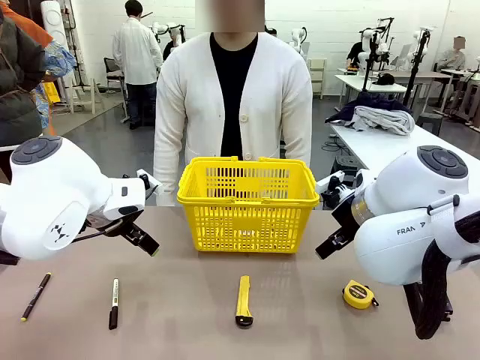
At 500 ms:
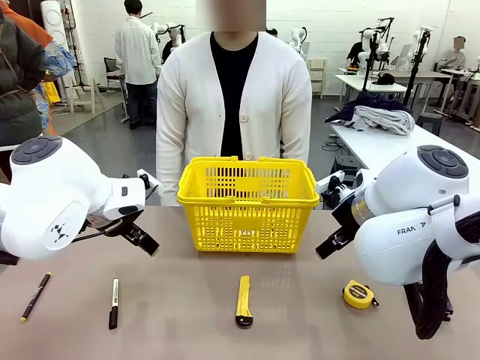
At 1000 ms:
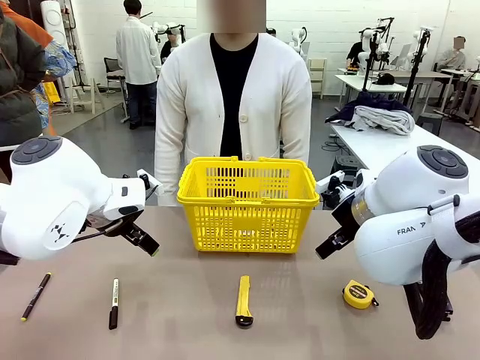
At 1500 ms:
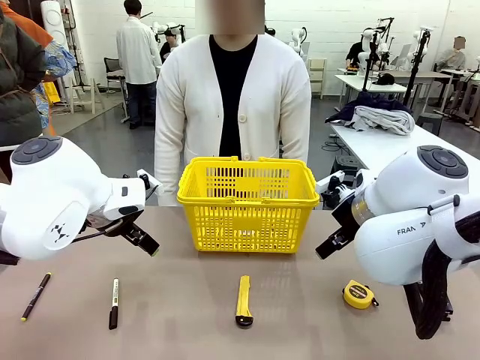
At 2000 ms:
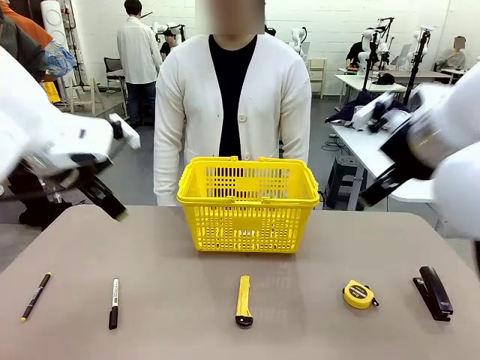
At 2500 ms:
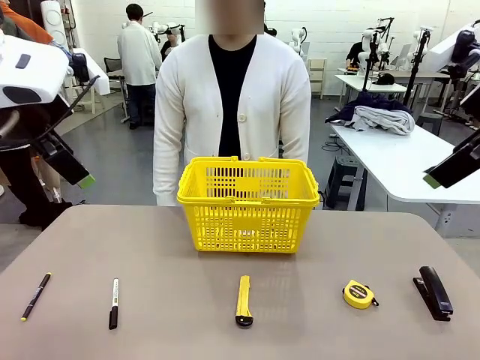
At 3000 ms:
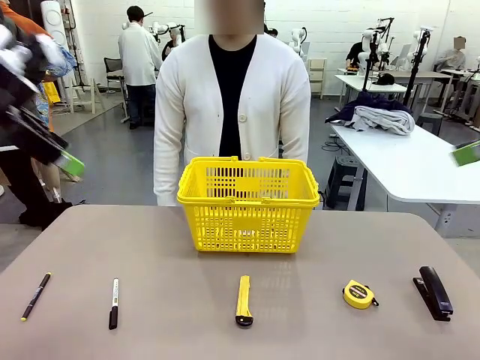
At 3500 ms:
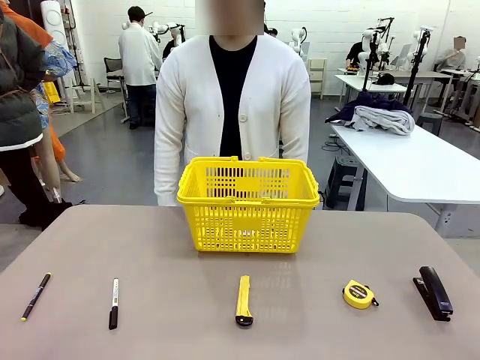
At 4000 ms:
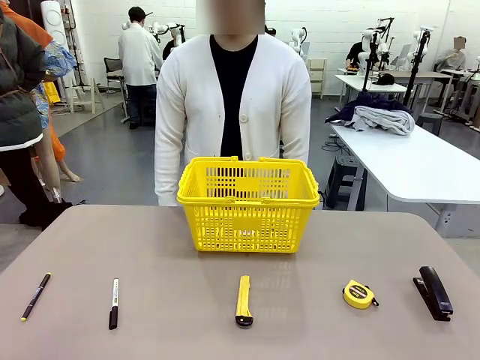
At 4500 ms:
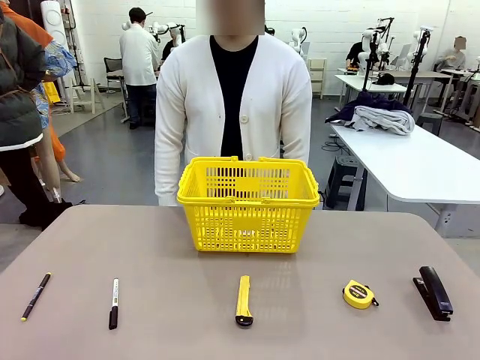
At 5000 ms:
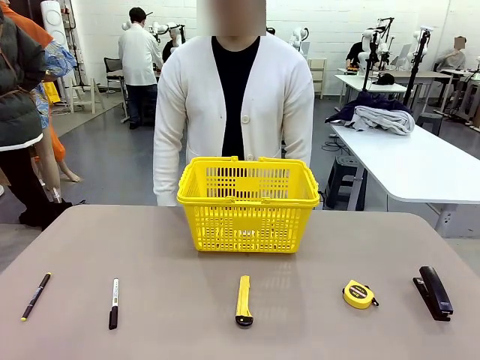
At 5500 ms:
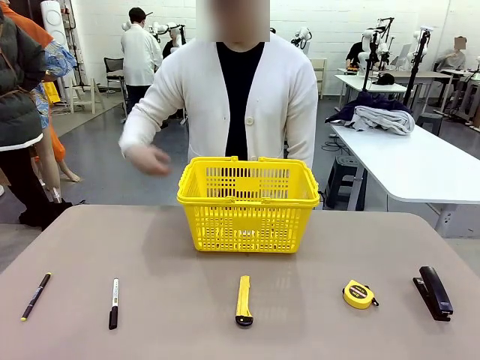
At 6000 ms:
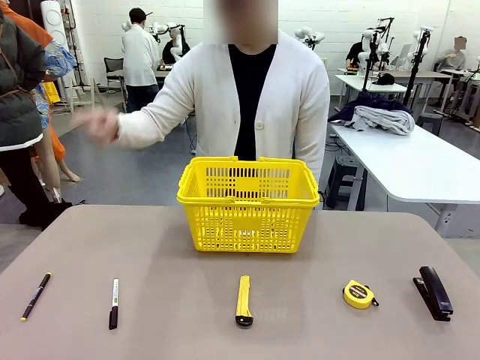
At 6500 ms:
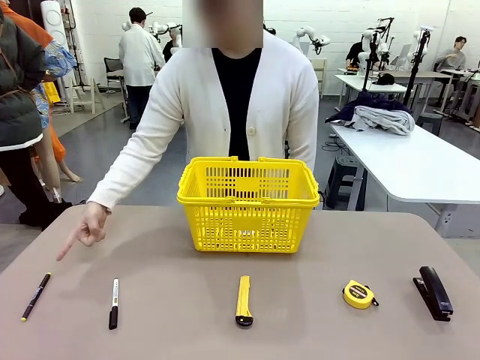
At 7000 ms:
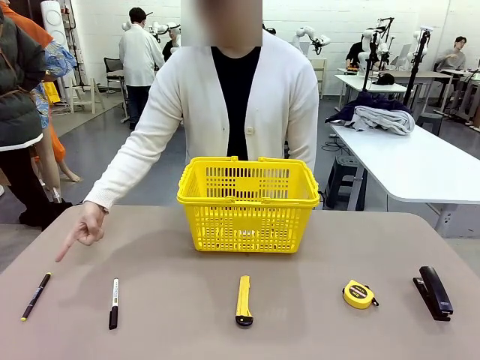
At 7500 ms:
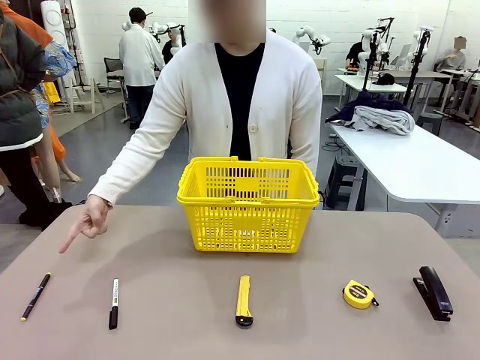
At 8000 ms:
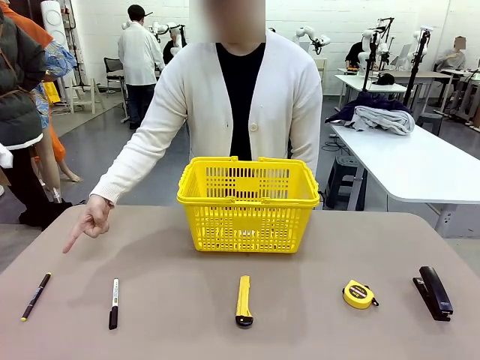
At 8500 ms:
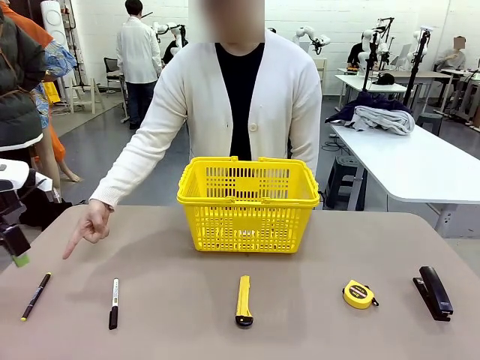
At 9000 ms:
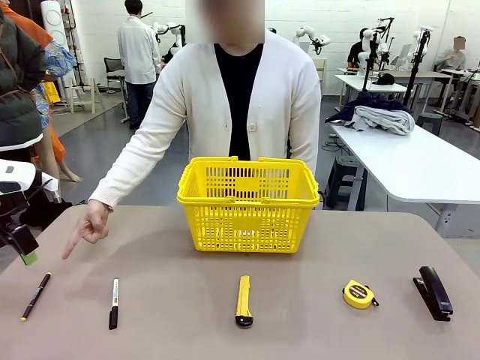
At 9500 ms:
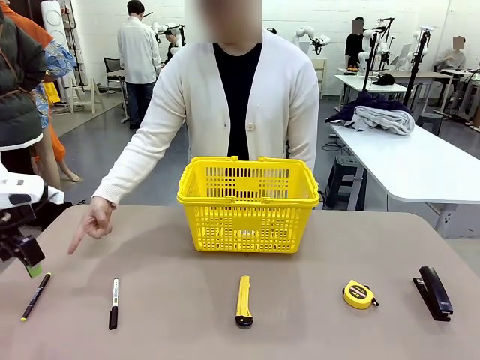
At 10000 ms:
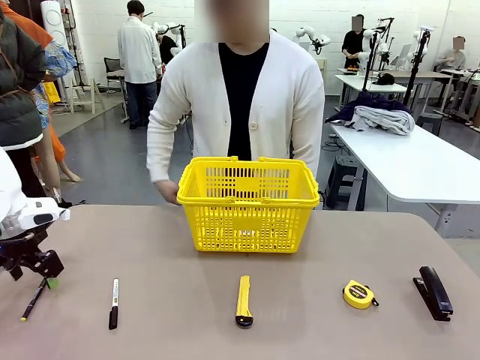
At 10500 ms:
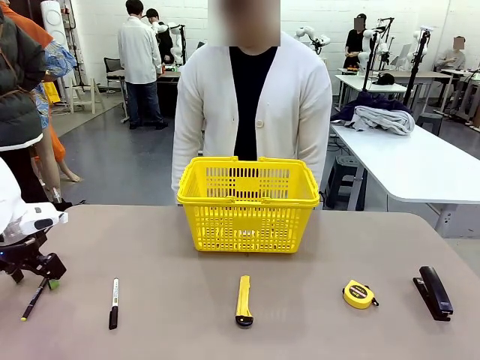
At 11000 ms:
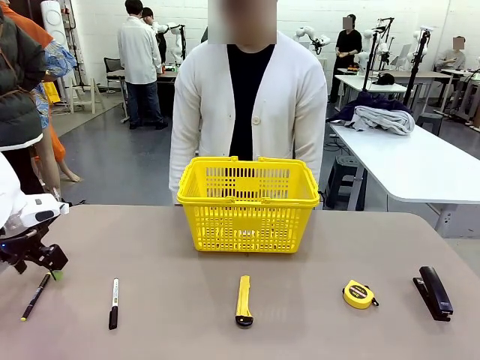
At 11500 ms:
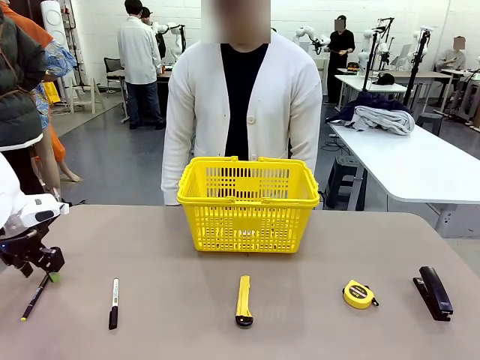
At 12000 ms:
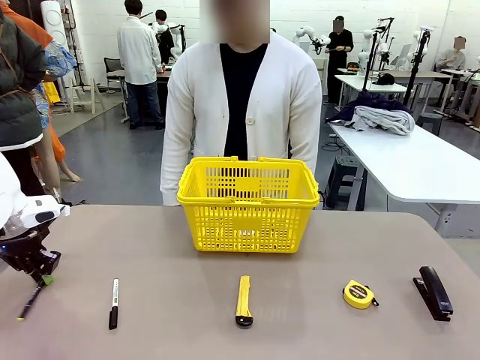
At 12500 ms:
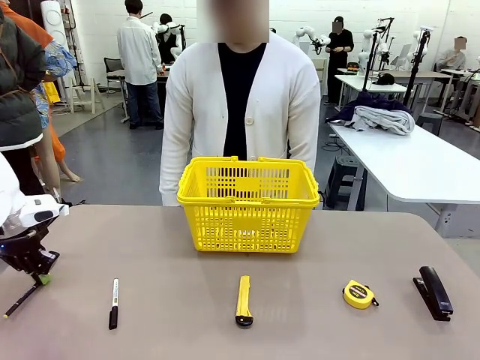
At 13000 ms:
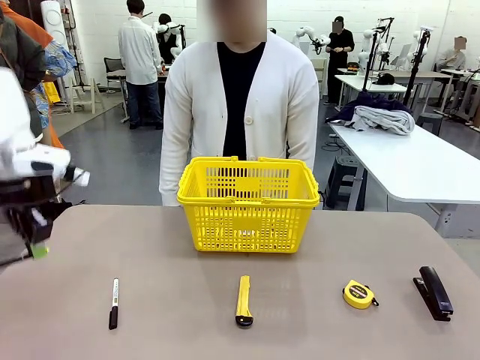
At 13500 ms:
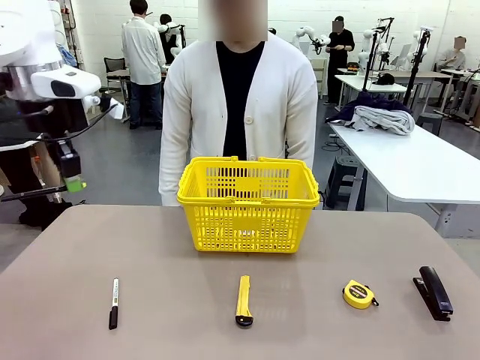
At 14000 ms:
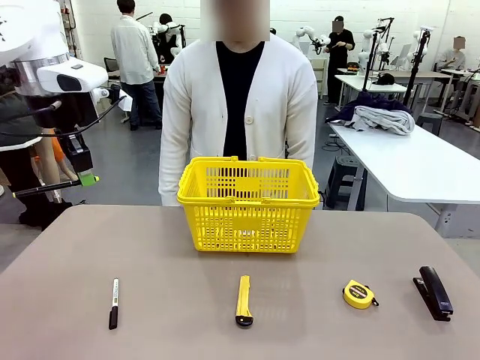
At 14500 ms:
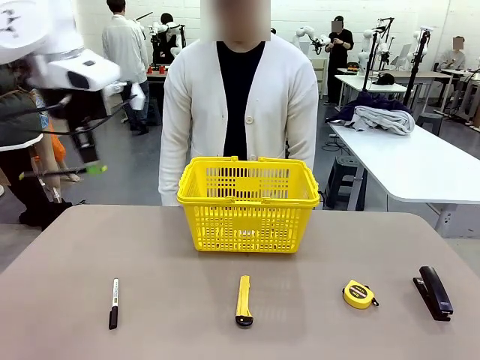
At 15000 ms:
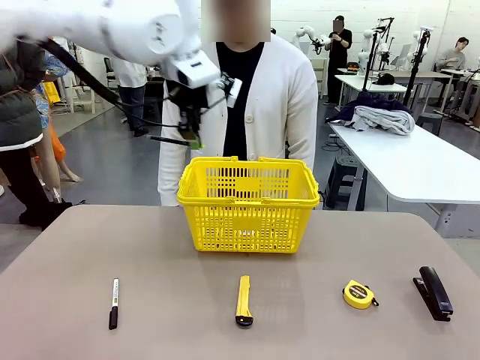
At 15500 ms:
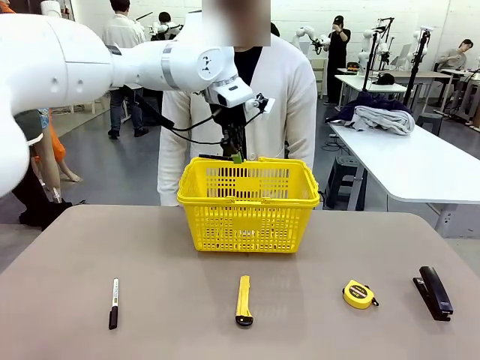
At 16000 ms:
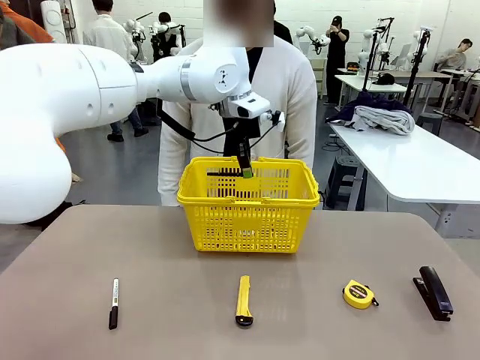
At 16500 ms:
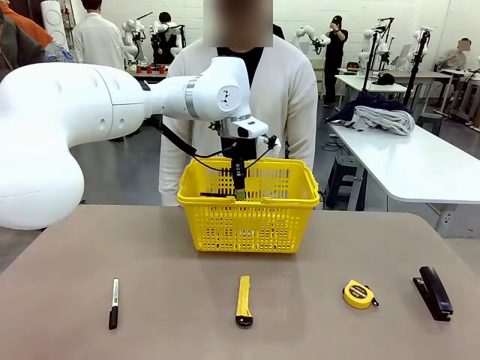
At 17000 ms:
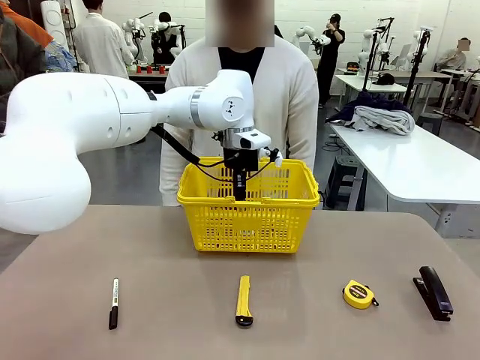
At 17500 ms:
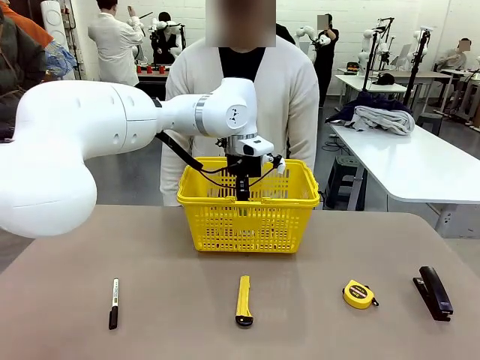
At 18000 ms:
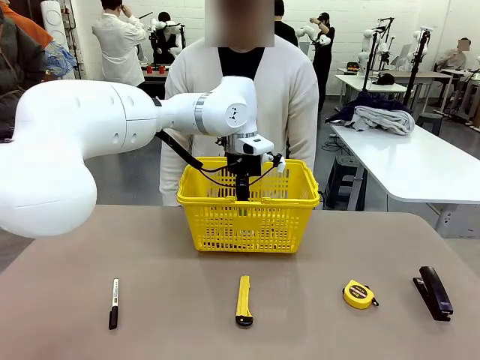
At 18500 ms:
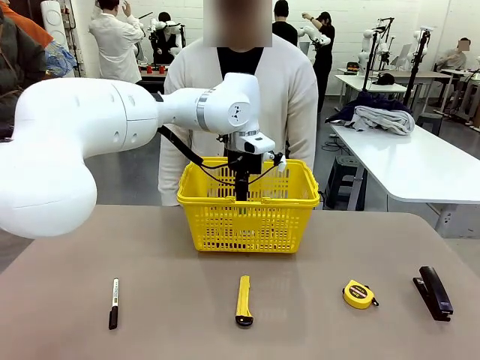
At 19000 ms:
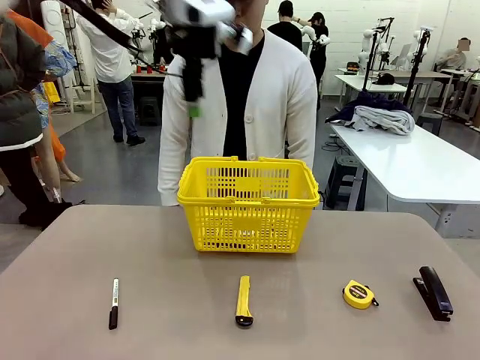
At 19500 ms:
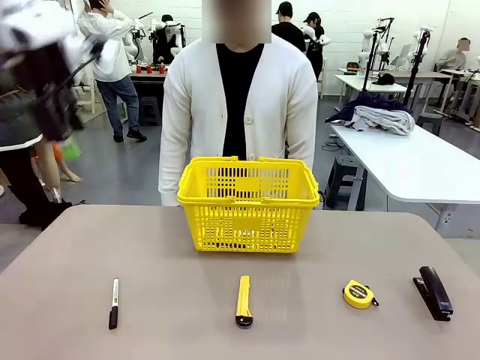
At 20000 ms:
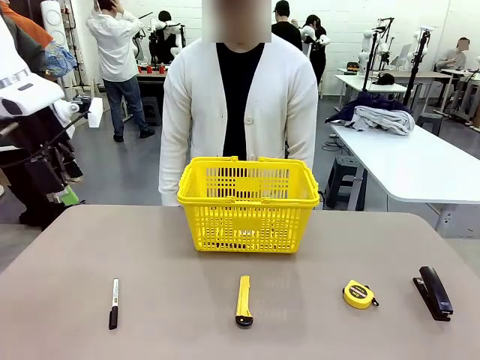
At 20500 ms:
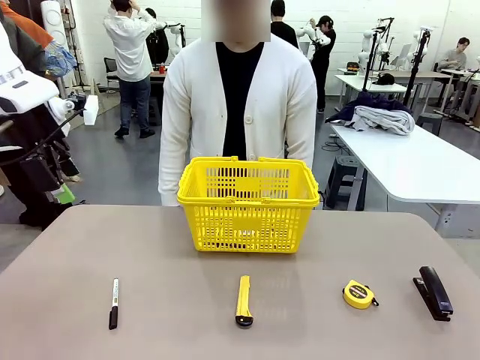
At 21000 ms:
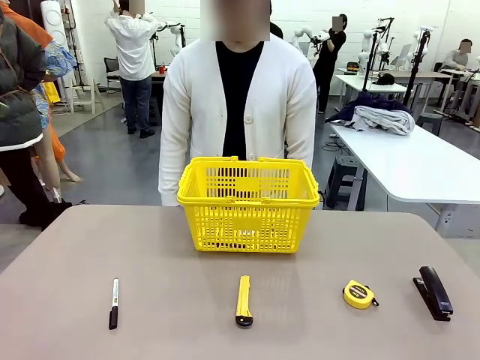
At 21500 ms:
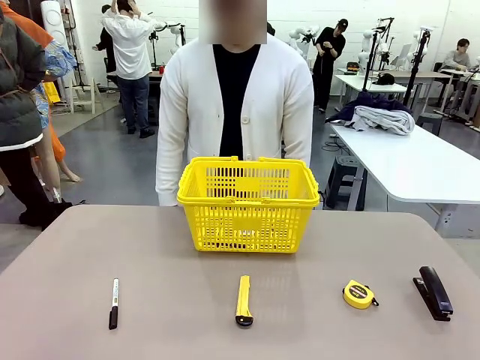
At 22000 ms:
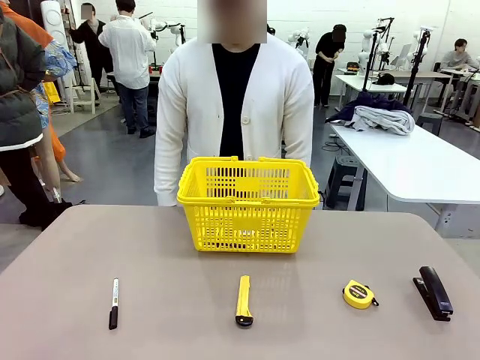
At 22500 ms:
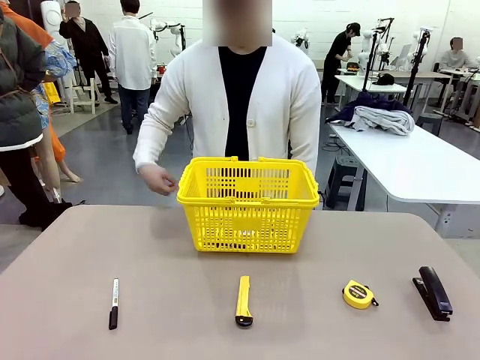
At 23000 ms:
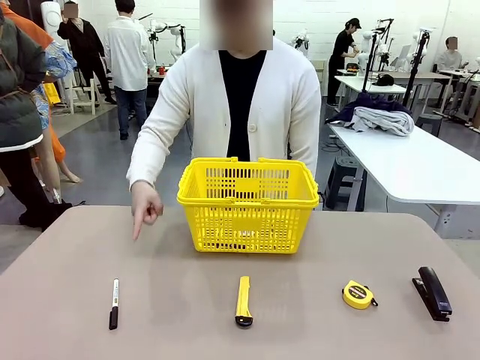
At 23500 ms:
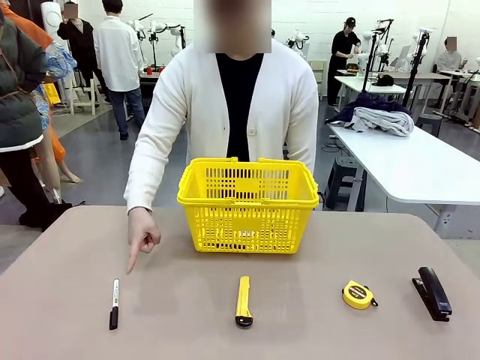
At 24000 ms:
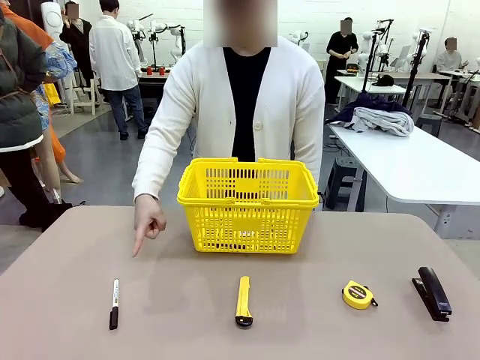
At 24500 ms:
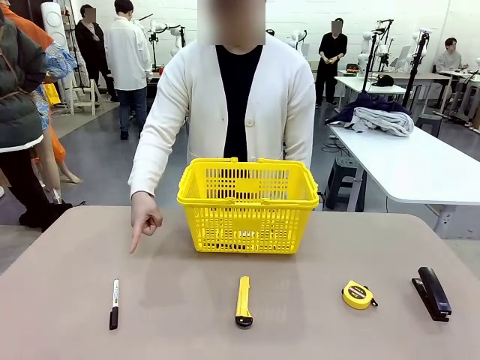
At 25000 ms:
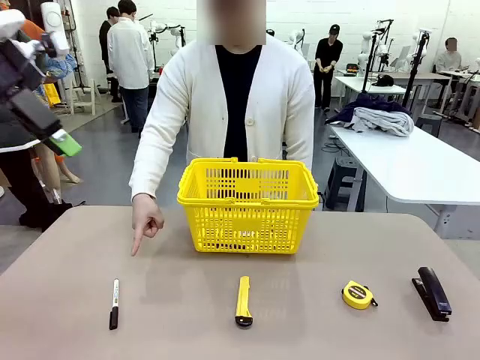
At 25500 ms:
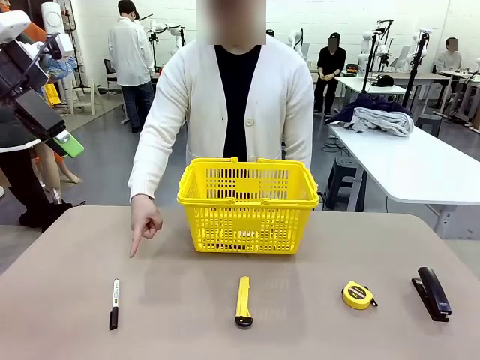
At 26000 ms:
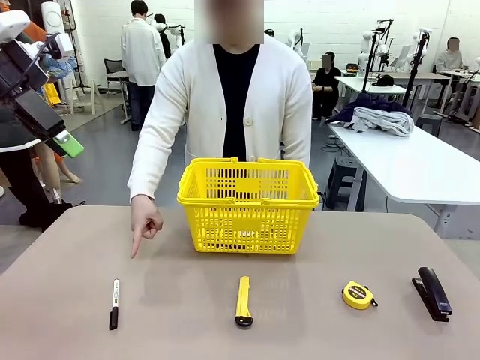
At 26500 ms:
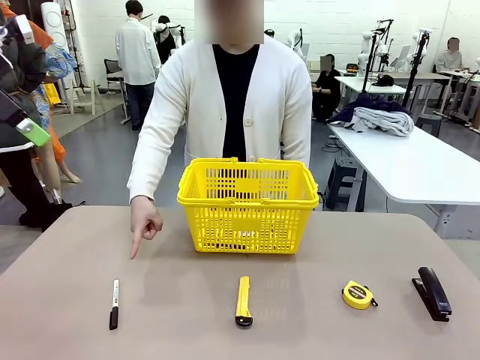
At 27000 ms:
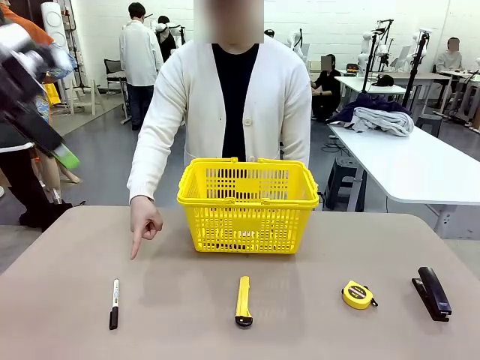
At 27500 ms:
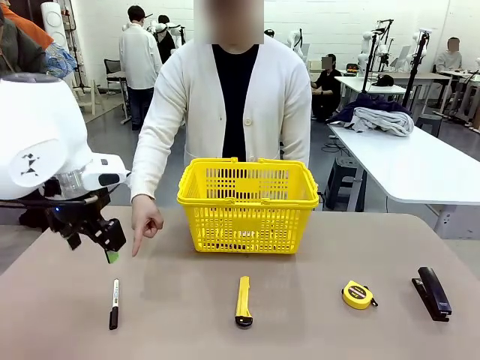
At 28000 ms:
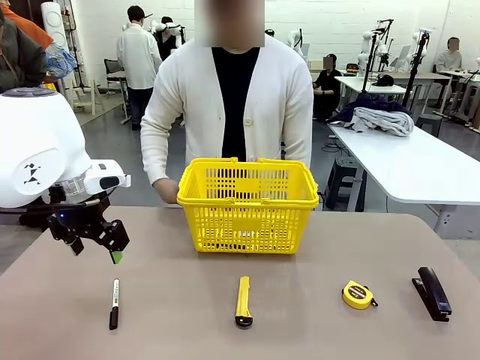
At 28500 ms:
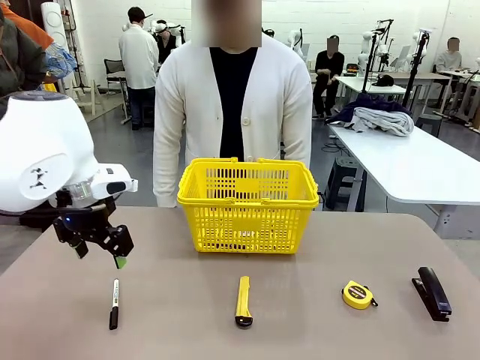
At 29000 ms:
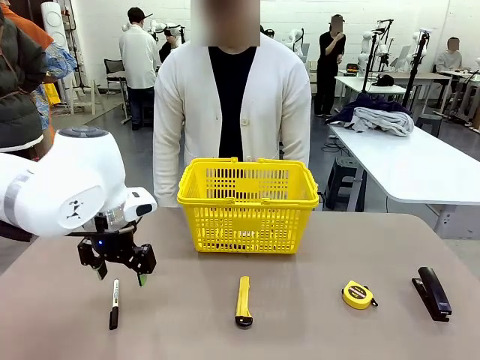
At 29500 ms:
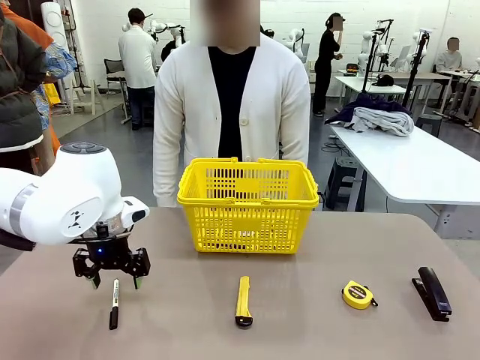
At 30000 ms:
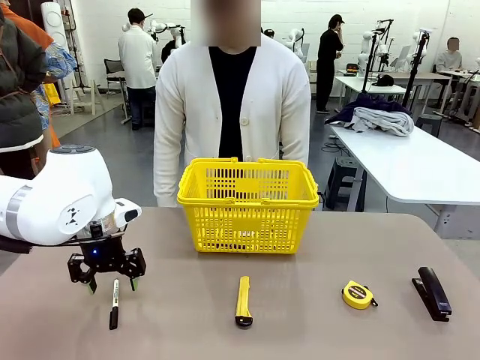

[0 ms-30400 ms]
Task: Place the items the person wants into the basket.
Robot: Pick up the item the person points to and place it in the Market Basket.
